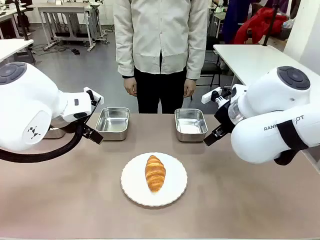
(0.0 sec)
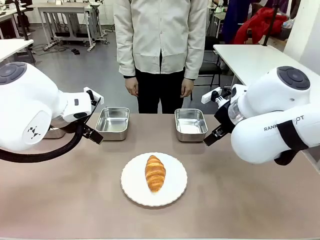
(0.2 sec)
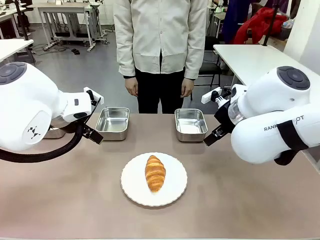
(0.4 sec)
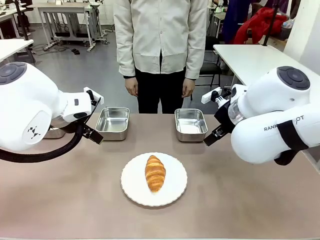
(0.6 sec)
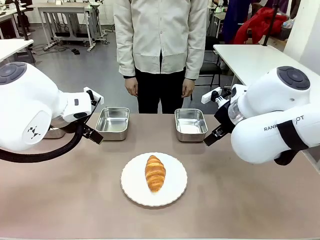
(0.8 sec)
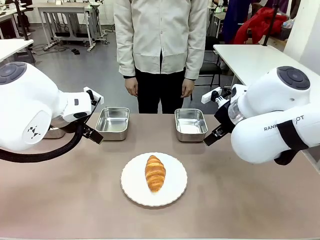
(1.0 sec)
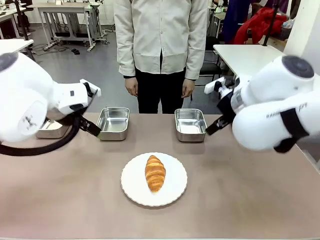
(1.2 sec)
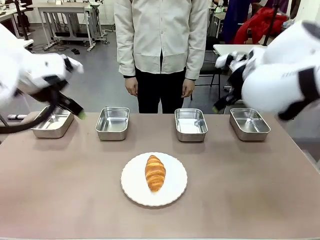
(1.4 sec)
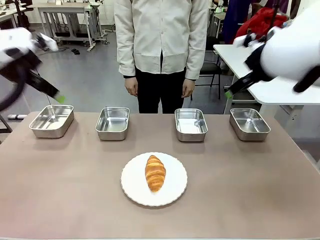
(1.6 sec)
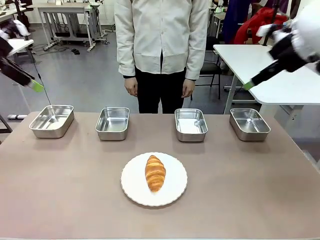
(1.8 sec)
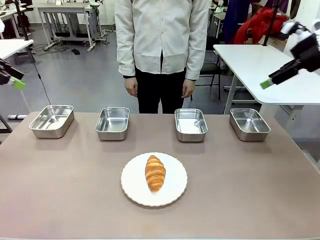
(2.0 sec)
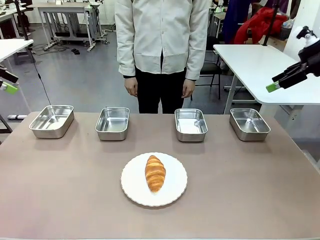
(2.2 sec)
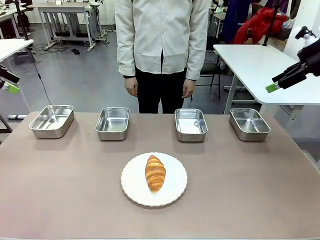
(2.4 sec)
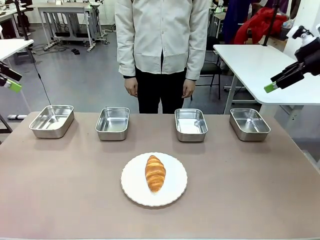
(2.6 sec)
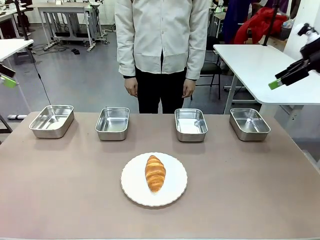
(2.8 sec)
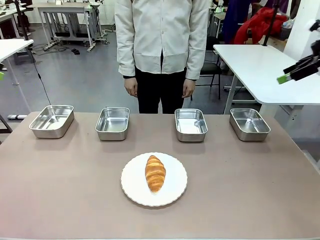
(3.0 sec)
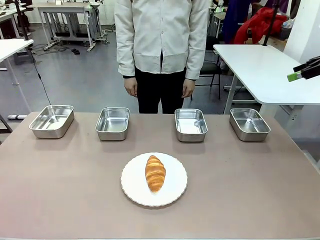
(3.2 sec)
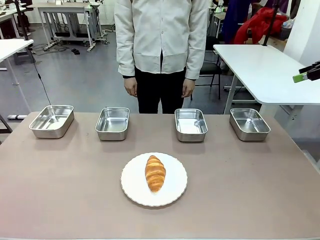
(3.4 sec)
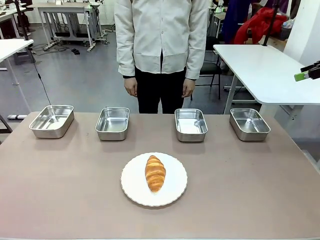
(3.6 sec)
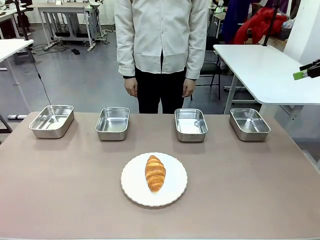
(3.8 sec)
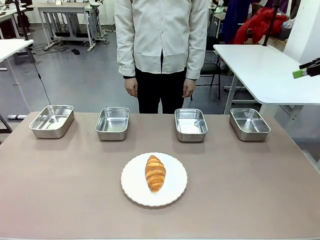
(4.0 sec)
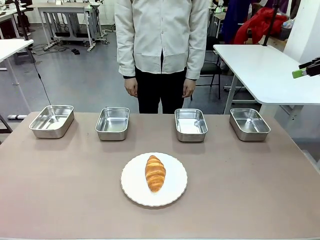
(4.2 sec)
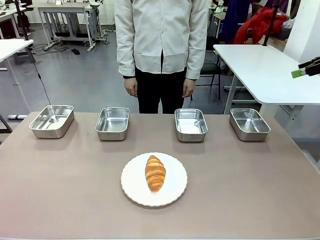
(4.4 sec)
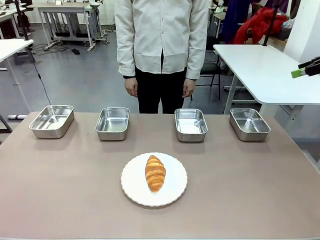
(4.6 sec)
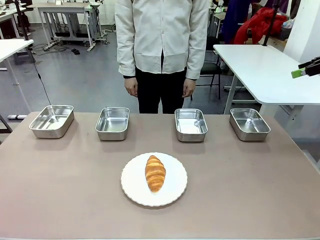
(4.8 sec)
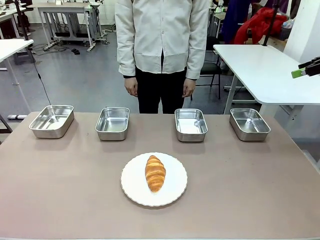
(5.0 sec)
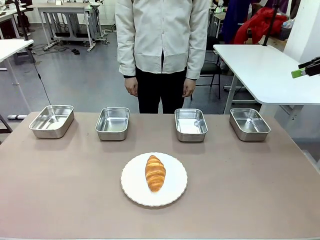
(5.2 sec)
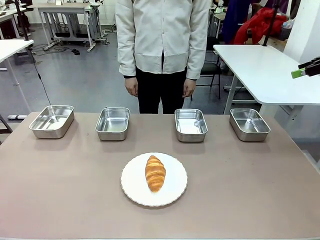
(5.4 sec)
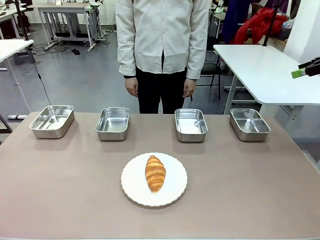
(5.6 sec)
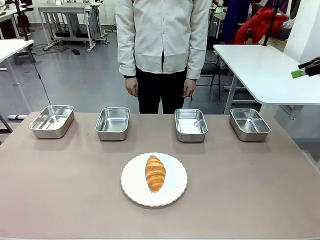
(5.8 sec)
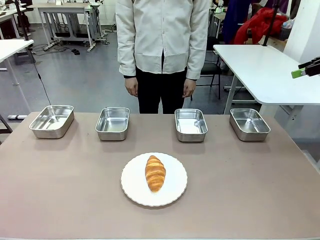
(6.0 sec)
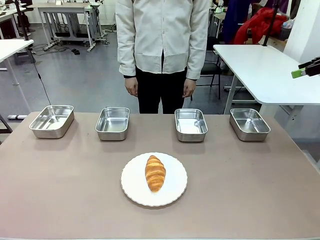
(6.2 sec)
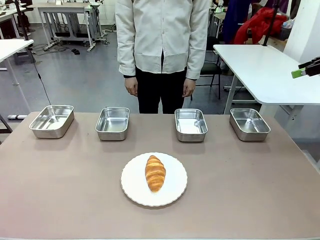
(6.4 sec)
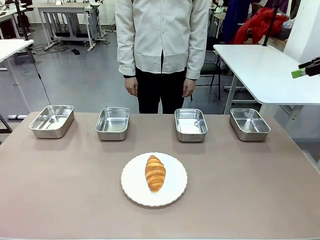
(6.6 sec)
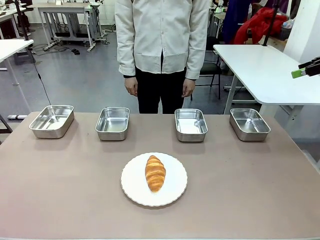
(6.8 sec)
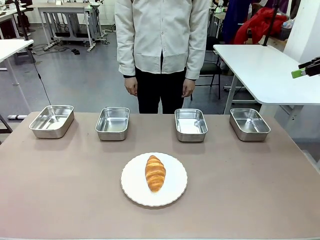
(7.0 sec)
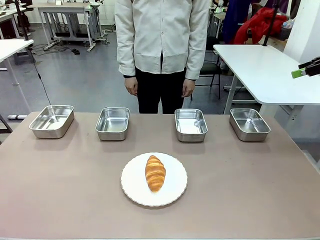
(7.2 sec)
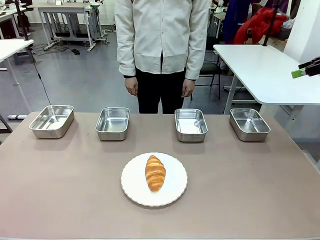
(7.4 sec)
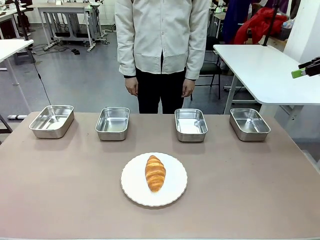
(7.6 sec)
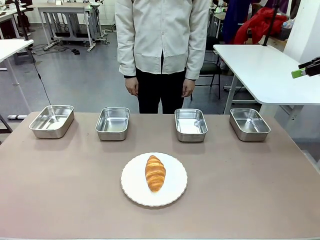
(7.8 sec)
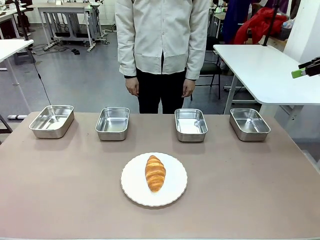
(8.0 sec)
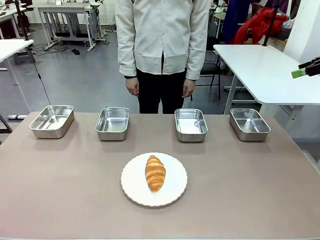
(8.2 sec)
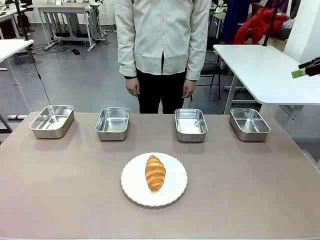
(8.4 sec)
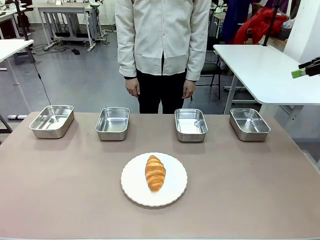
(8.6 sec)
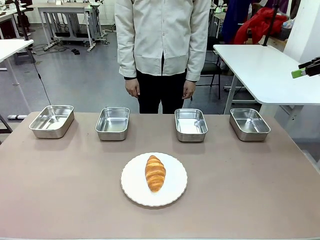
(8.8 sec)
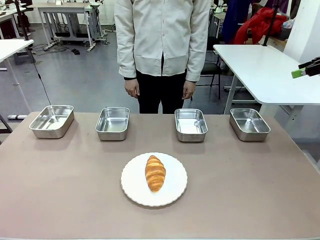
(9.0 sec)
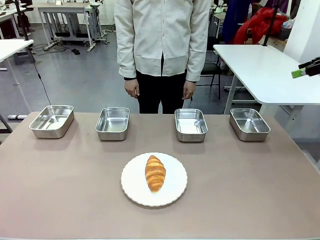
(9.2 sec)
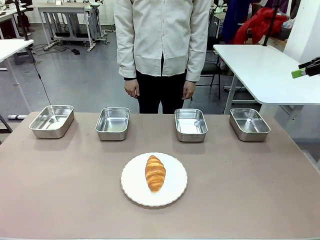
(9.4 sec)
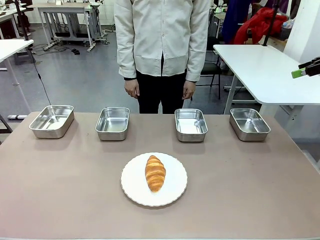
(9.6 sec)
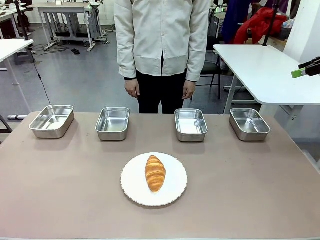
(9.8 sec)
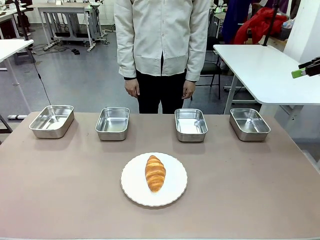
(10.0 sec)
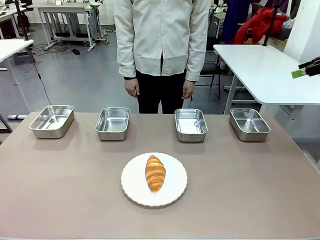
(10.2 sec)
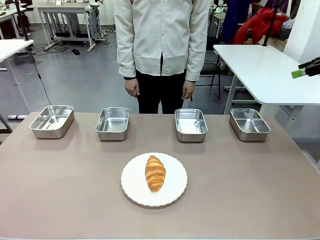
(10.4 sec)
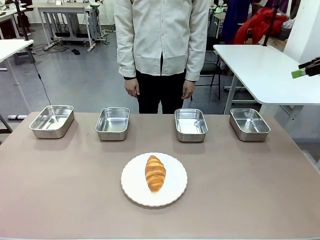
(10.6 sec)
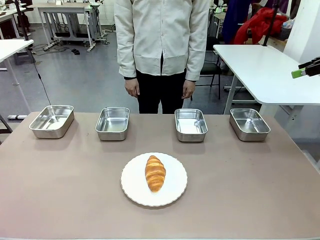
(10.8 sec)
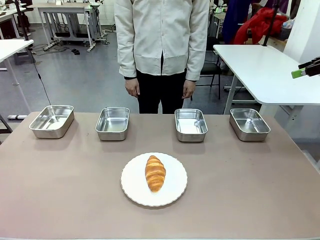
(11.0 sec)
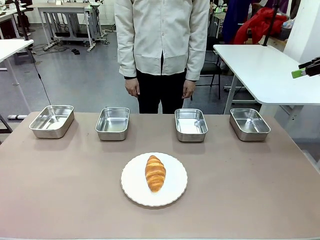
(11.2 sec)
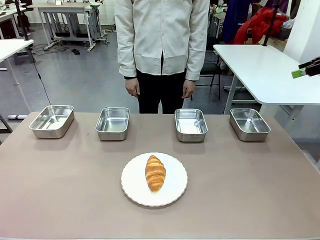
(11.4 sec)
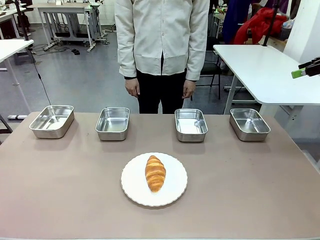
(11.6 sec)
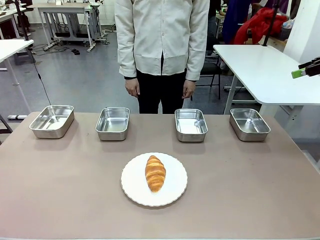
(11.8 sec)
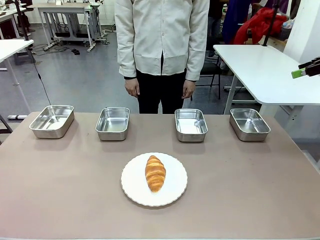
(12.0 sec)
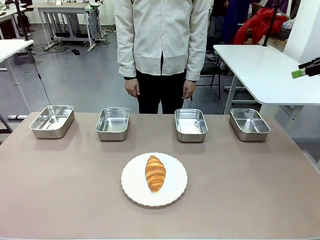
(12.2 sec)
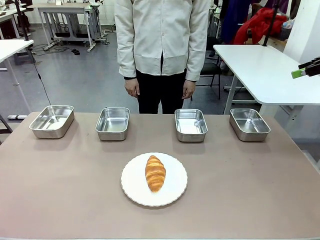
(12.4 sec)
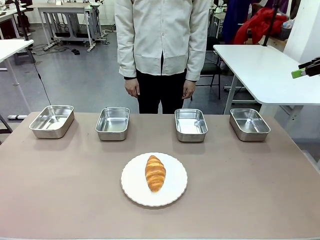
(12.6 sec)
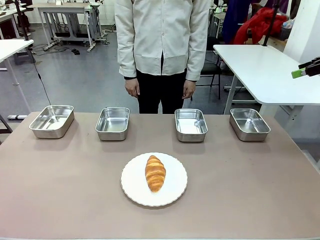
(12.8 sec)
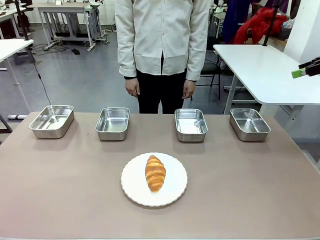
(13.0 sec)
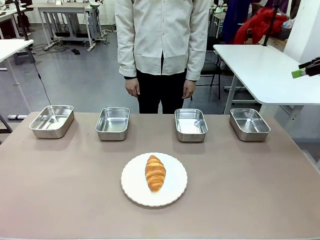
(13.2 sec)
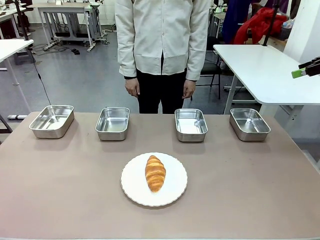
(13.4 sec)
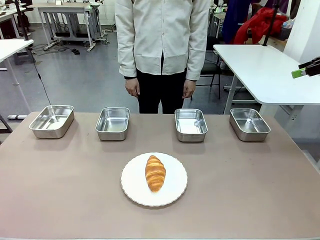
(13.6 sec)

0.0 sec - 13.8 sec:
Task: Place the bread in the container.
Robot: Place the Butter Roll into the Airtight Container indicated by the human.
